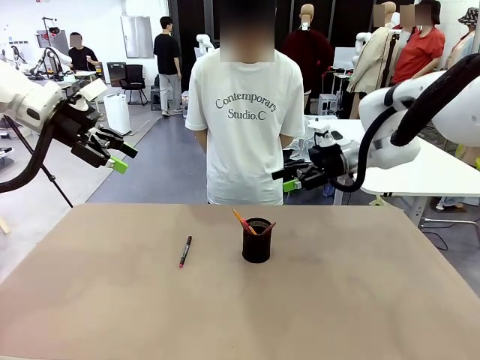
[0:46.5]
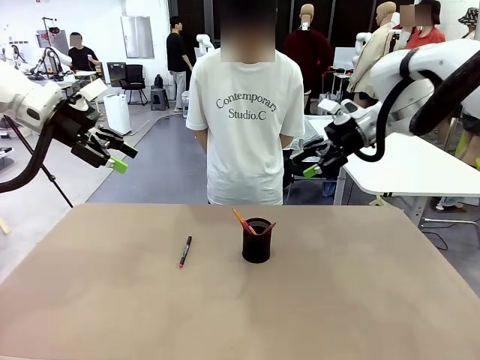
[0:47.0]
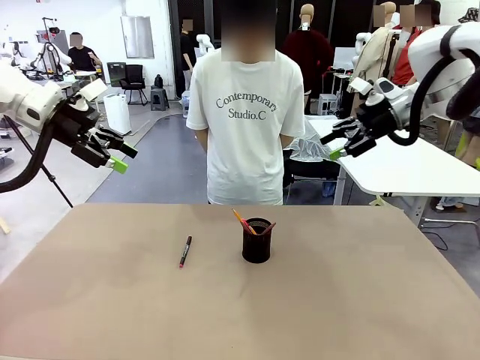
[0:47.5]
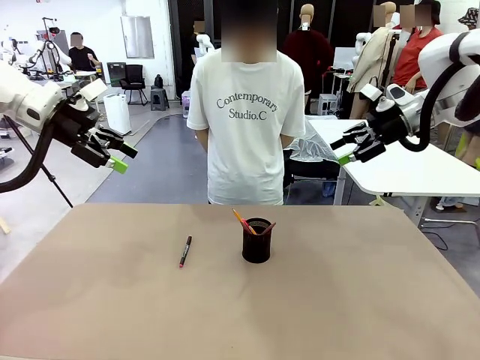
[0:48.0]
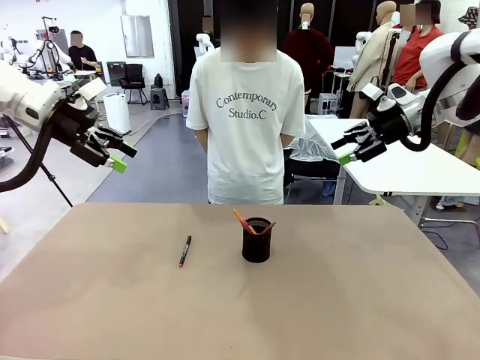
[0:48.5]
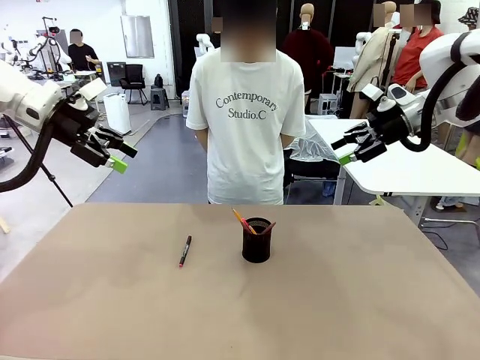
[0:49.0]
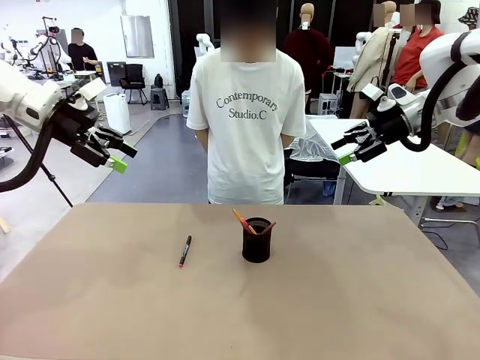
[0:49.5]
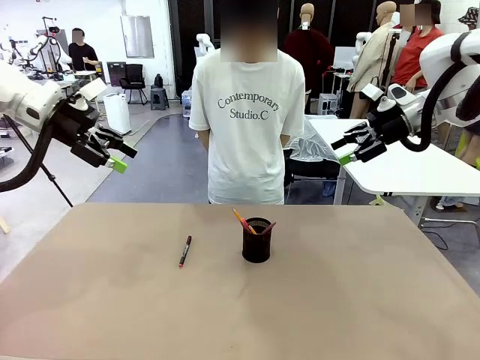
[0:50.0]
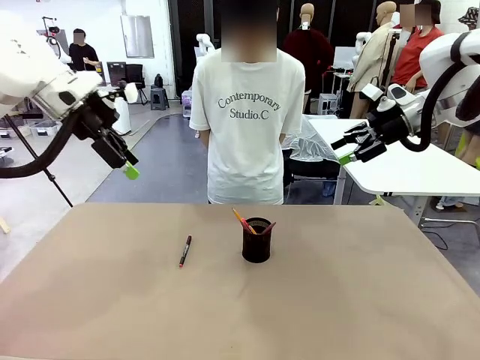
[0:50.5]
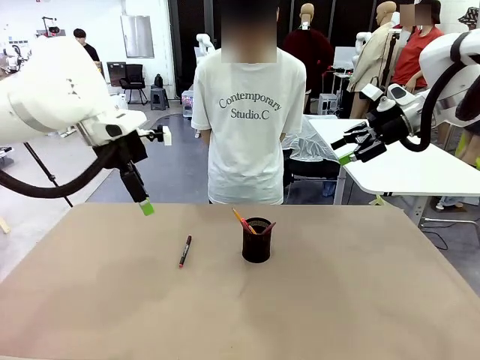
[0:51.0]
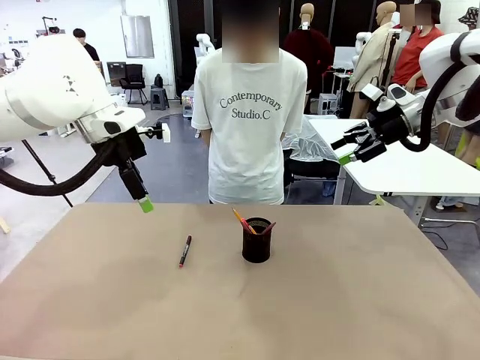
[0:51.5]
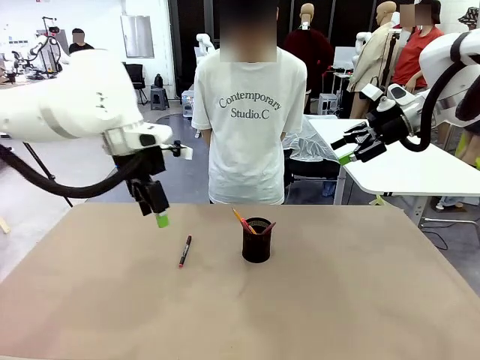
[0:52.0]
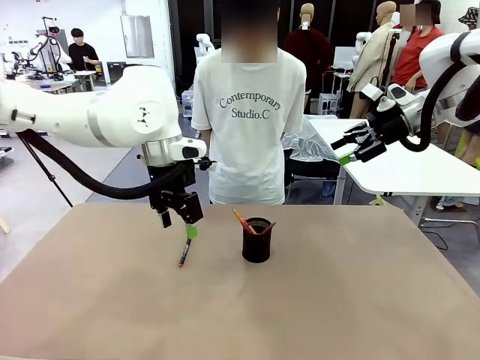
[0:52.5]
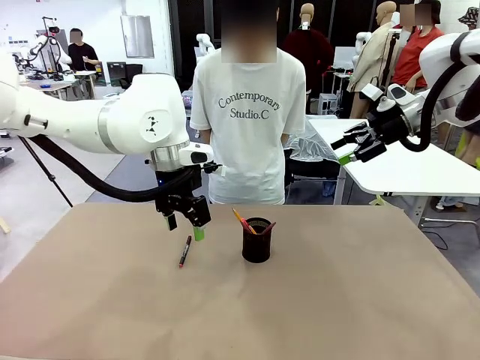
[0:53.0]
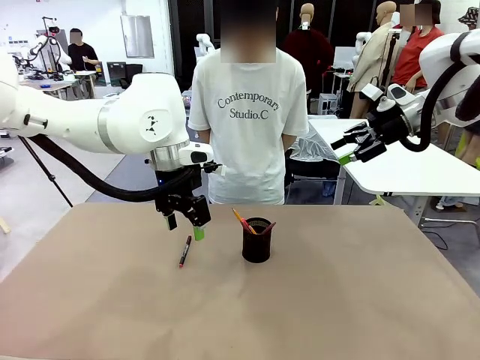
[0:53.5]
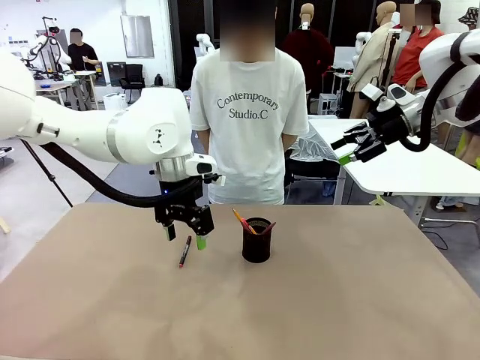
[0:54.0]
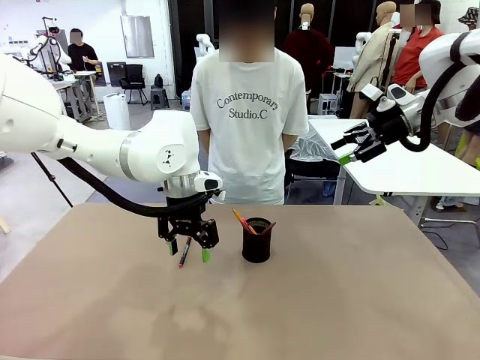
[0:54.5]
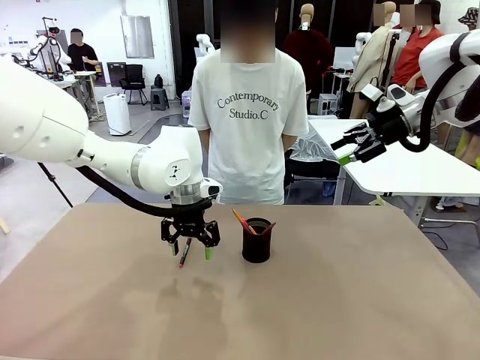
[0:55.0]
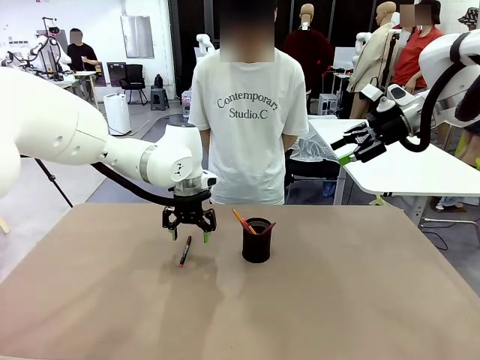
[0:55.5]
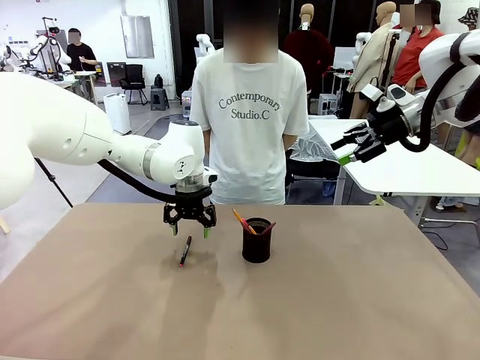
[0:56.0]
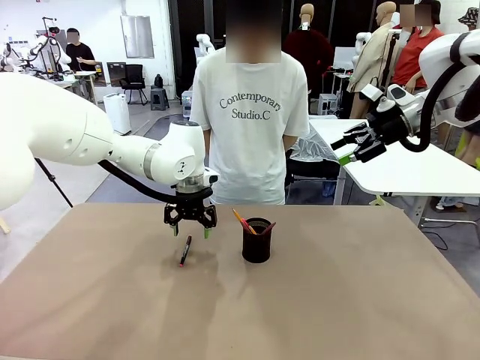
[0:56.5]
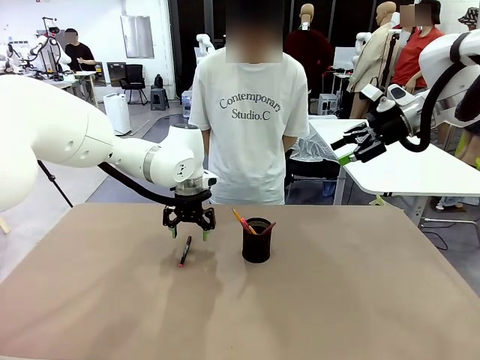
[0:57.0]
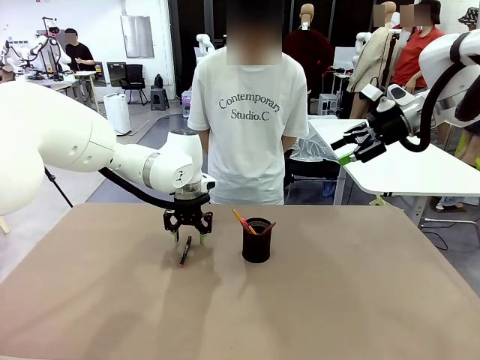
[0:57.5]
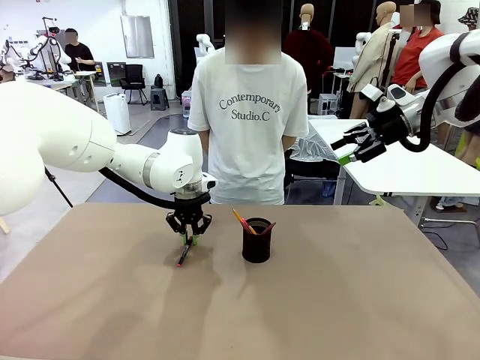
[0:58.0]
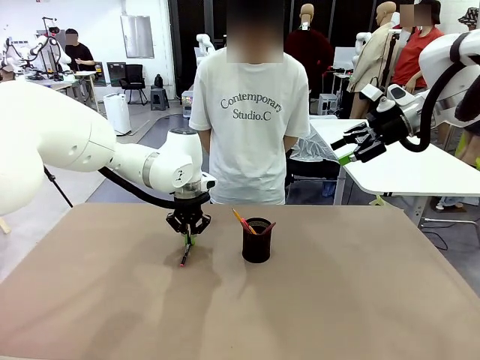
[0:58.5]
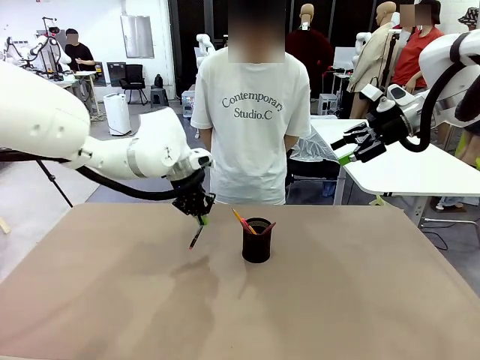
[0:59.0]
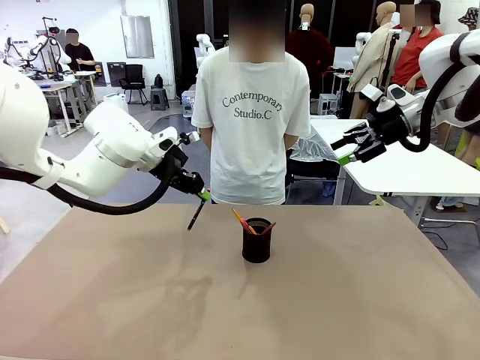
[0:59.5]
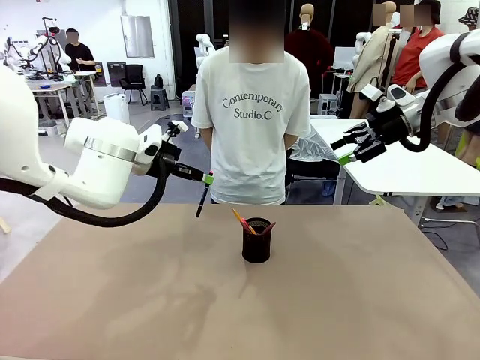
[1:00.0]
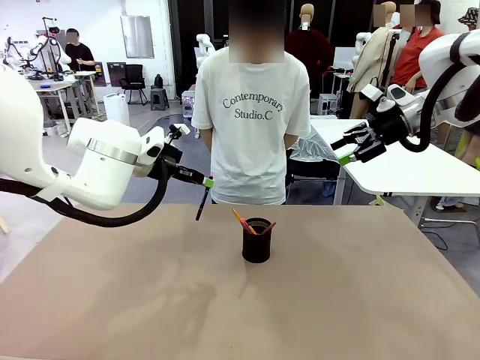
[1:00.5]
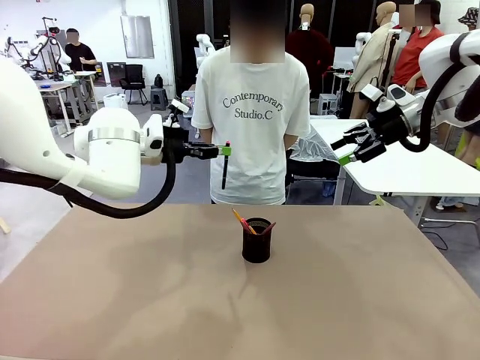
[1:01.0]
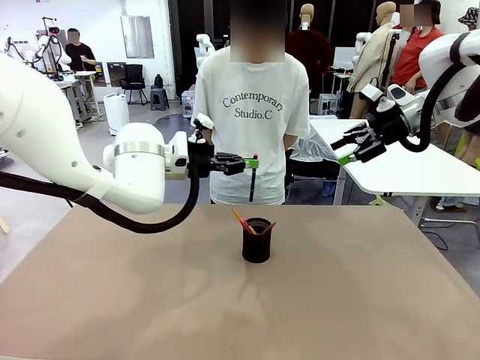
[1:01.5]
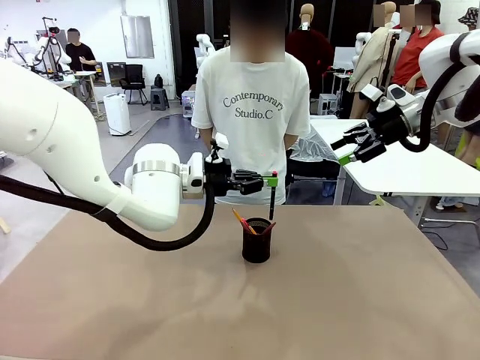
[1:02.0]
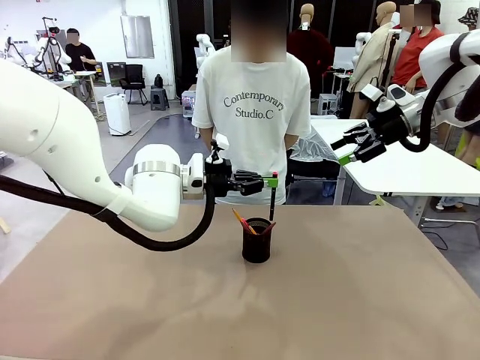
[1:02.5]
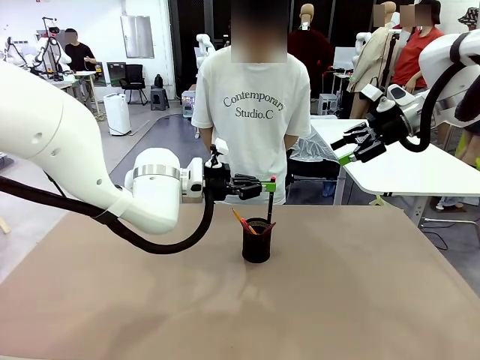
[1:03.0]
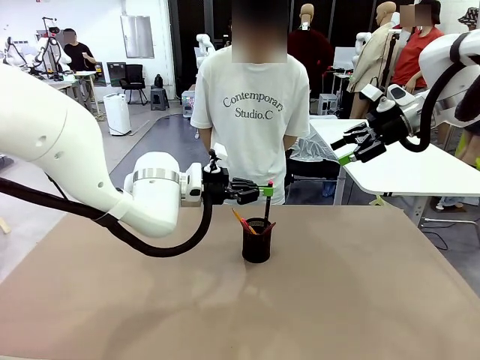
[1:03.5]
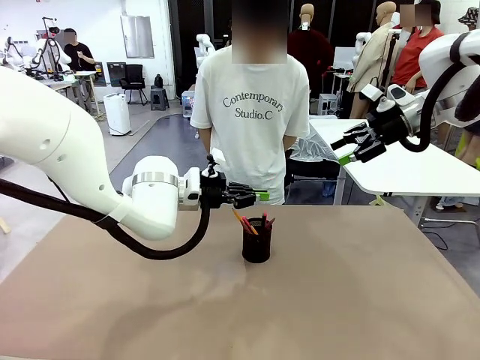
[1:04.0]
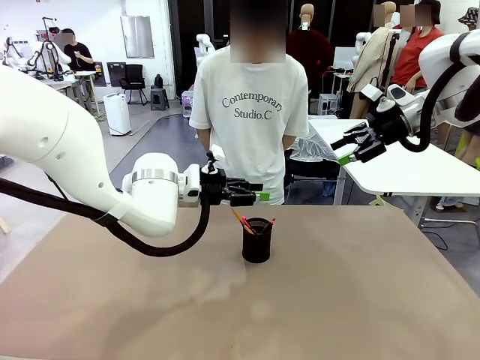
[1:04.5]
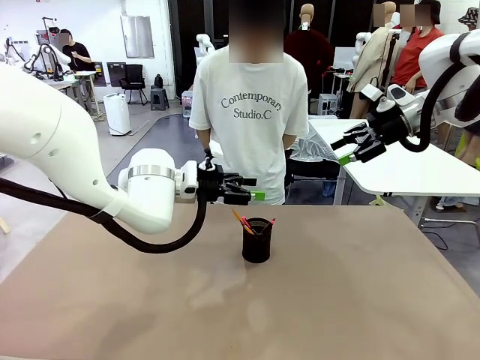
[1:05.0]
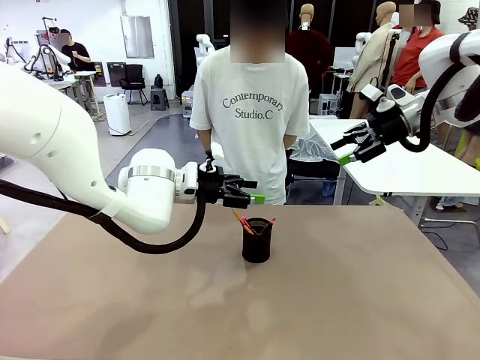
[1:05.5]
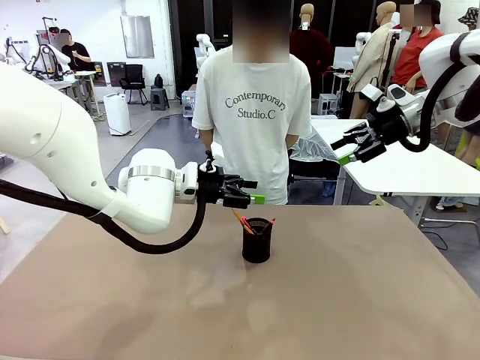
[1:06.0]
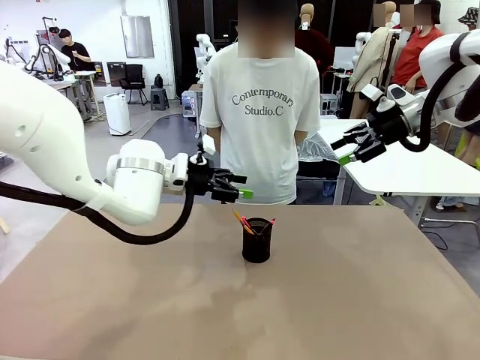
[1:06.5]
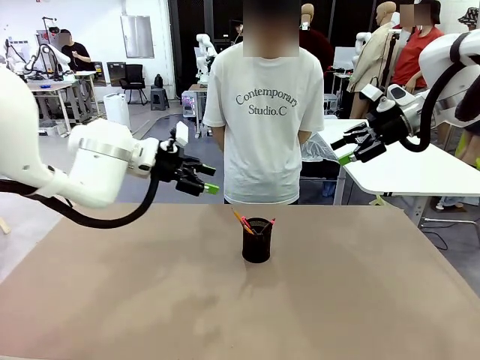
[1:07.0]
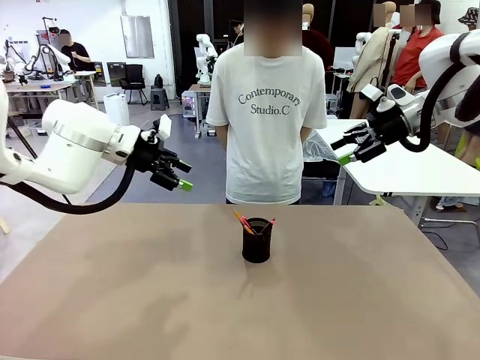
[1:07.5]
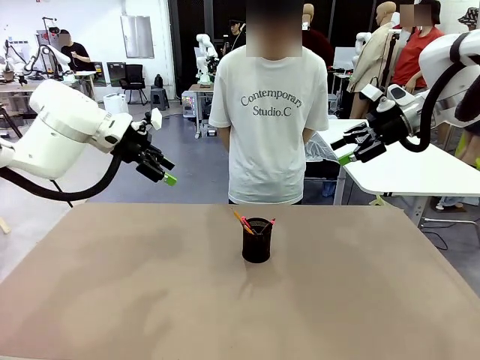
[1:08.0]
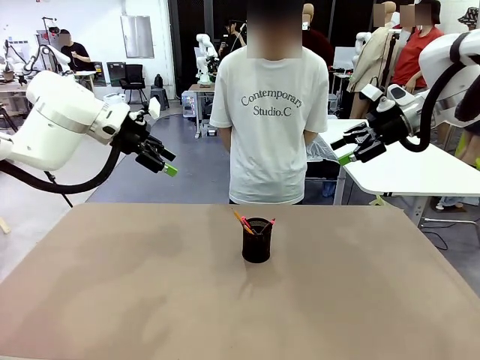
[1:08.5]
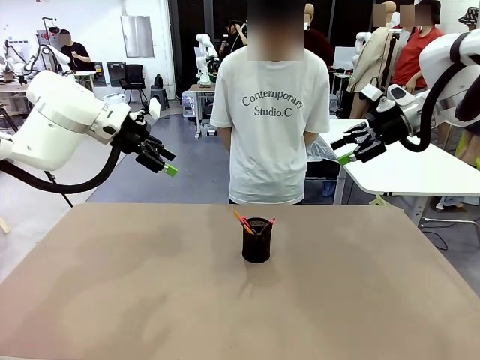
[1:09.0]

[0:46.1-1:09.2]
Task: Place the pens into the pen holder.
Robot: Pick up a writing instrument from the table and place it into the Pen holder.

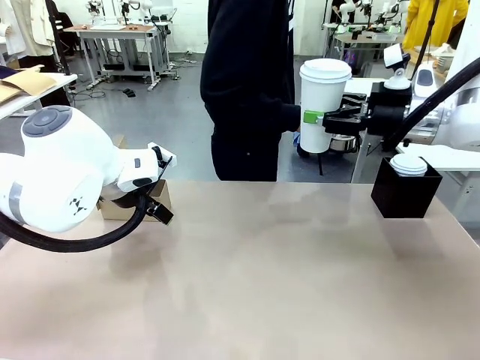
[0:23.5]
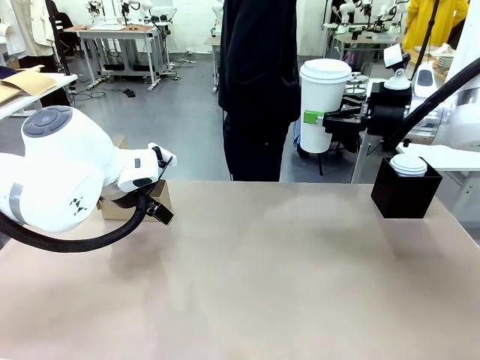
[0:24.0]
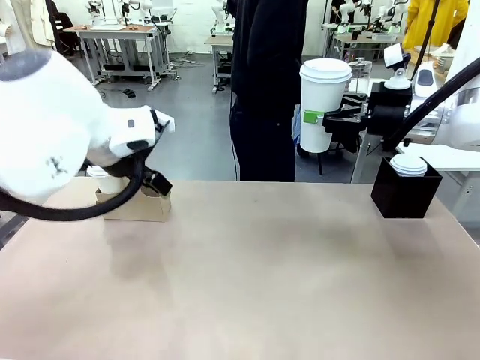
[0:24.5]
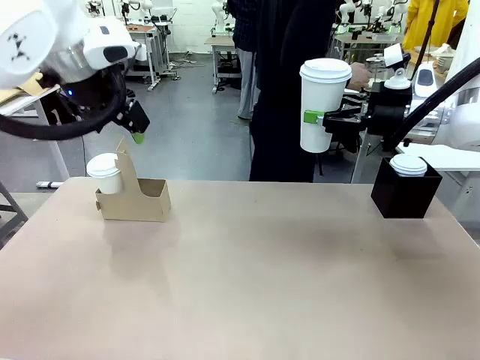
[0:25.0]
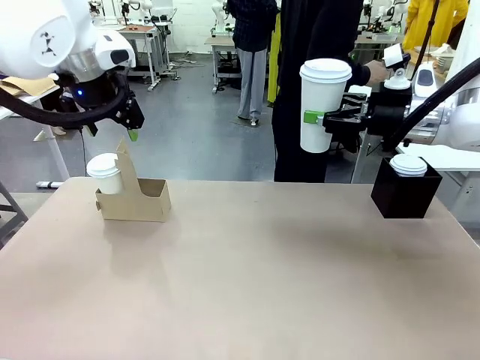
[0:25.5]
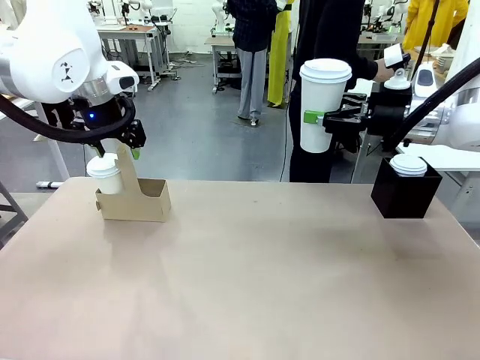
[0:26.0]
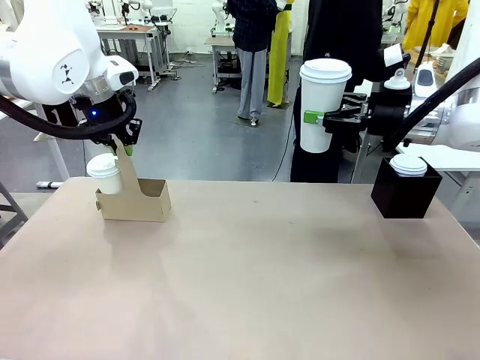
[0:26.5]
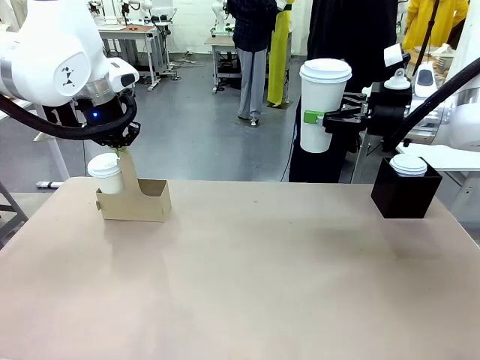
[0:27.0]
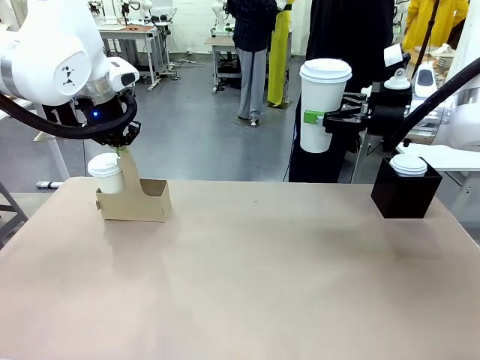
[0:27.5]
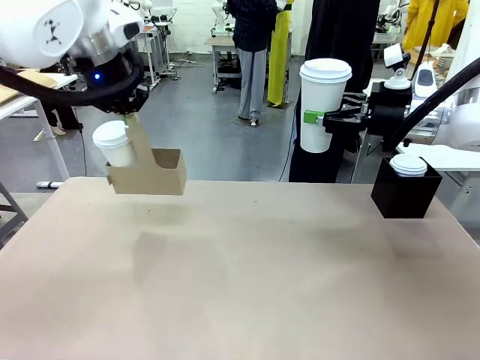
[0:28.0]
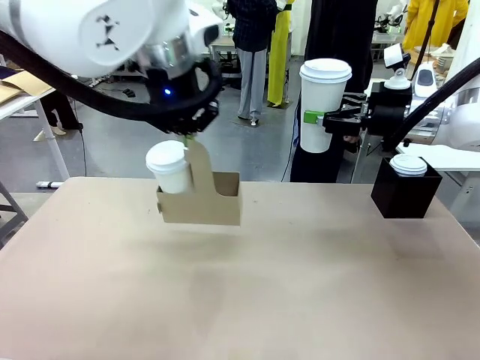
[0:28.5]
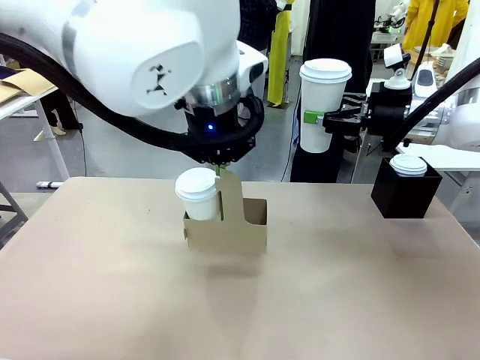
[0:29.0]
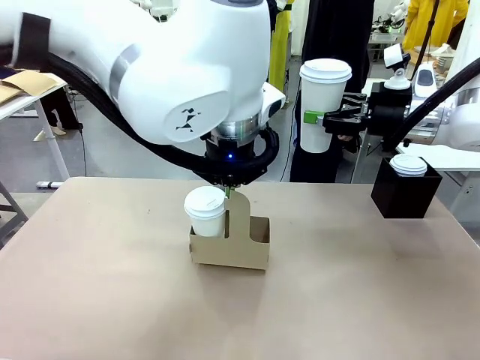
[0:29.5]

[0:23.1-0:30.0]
Task: Pour a drink into a cup and package it in a carrier.
Robot: Position the Cup Carrier in the center of the table.
